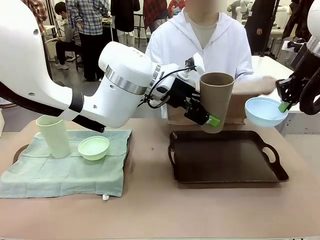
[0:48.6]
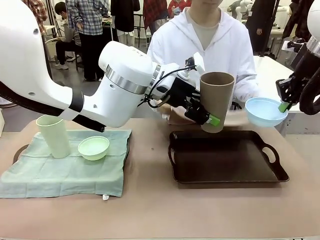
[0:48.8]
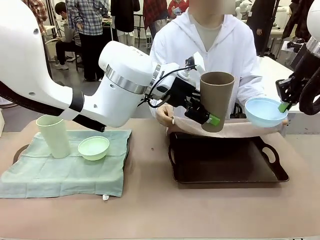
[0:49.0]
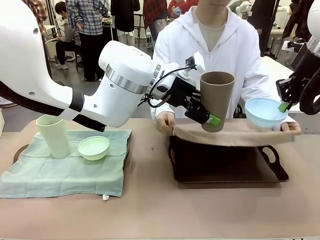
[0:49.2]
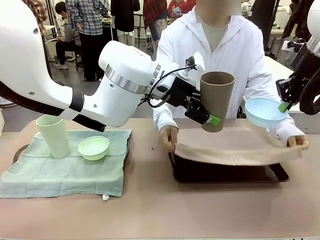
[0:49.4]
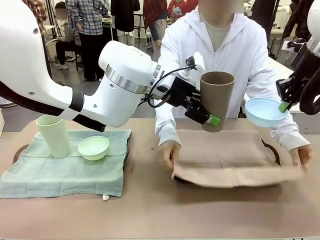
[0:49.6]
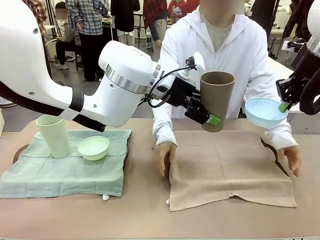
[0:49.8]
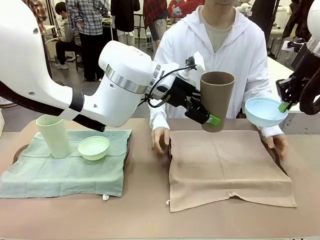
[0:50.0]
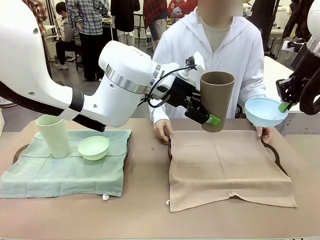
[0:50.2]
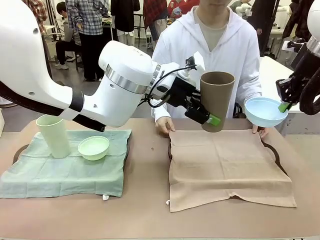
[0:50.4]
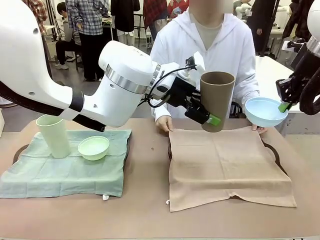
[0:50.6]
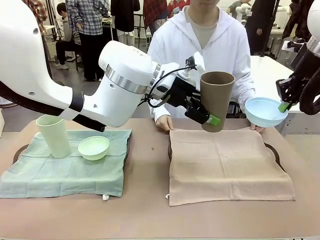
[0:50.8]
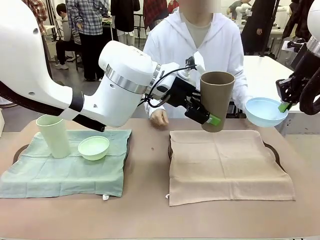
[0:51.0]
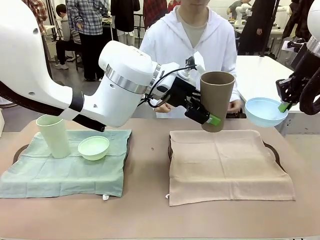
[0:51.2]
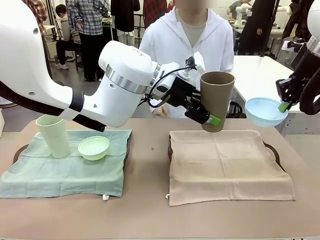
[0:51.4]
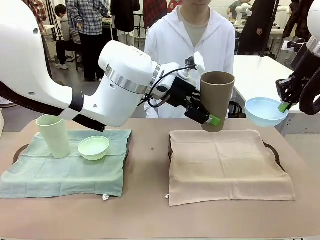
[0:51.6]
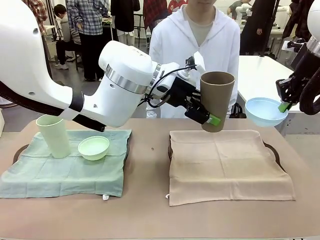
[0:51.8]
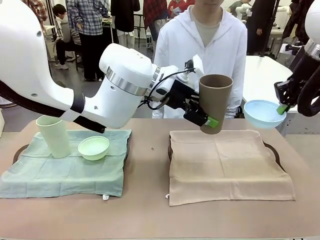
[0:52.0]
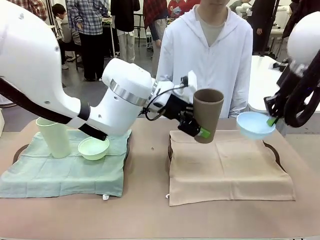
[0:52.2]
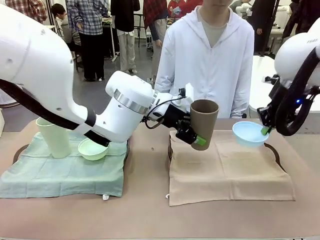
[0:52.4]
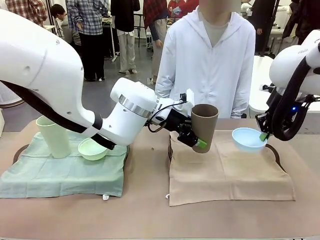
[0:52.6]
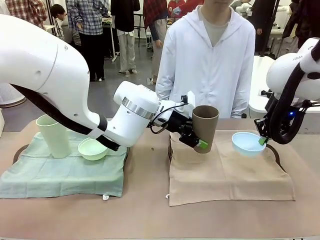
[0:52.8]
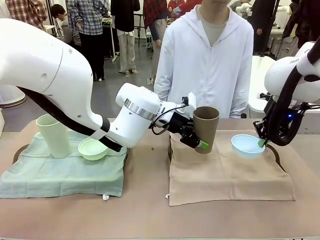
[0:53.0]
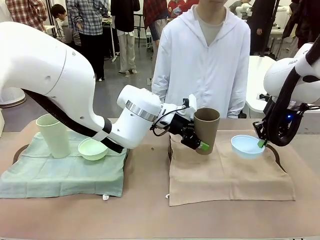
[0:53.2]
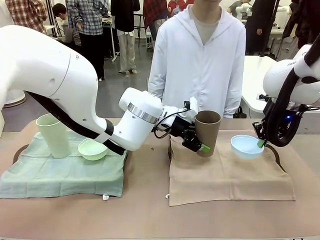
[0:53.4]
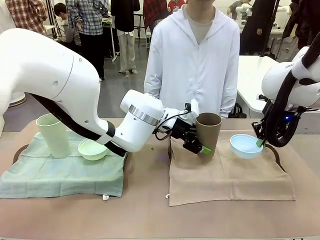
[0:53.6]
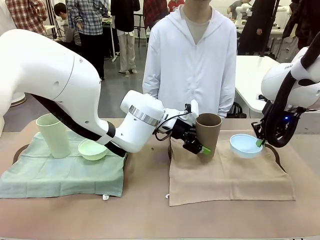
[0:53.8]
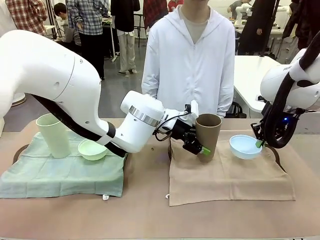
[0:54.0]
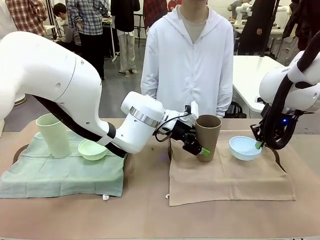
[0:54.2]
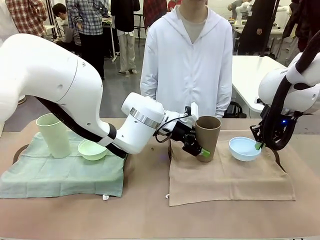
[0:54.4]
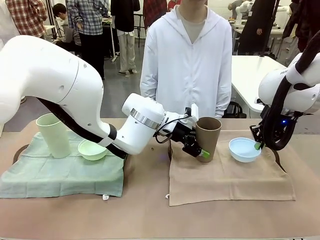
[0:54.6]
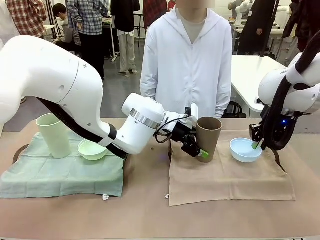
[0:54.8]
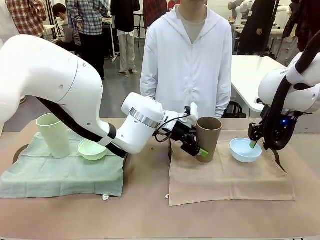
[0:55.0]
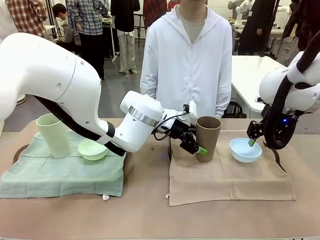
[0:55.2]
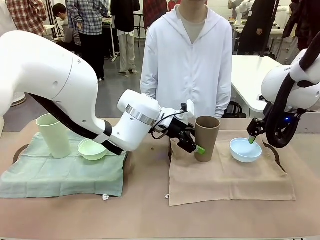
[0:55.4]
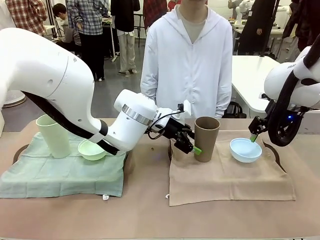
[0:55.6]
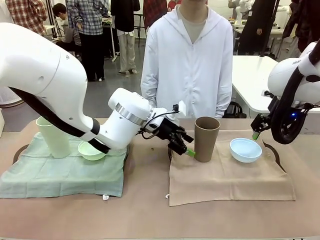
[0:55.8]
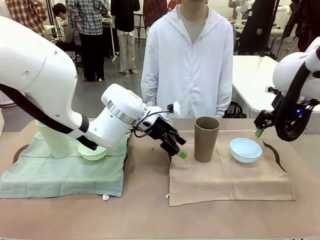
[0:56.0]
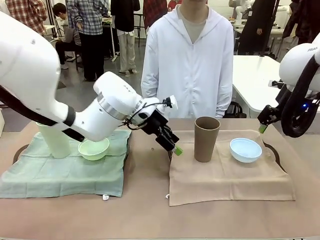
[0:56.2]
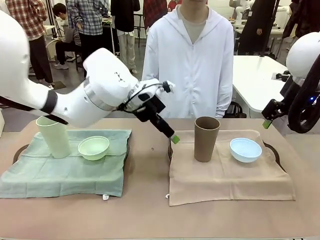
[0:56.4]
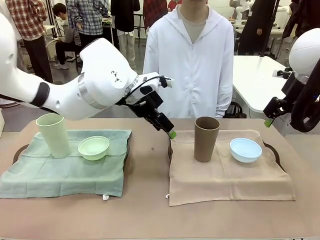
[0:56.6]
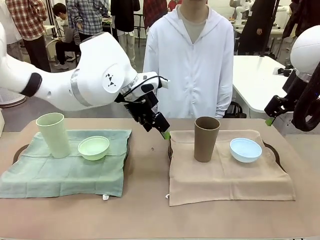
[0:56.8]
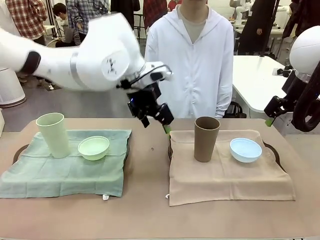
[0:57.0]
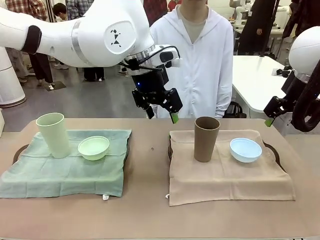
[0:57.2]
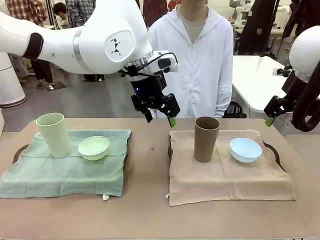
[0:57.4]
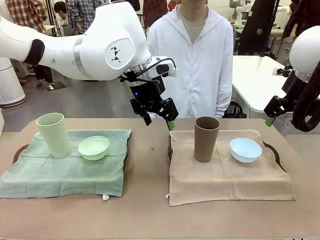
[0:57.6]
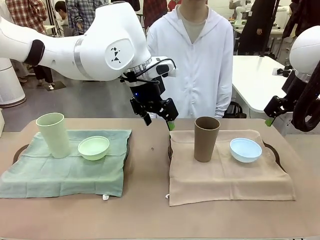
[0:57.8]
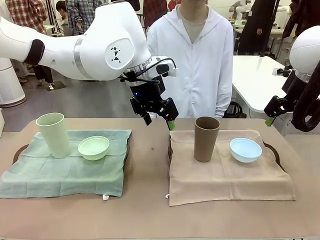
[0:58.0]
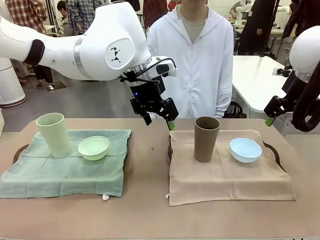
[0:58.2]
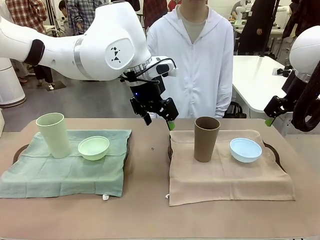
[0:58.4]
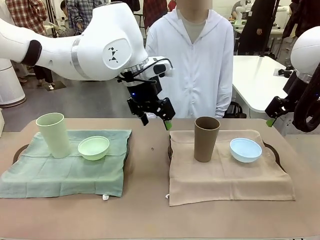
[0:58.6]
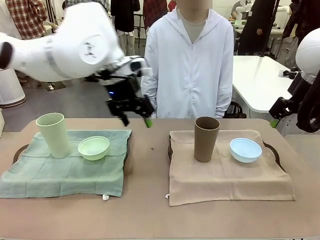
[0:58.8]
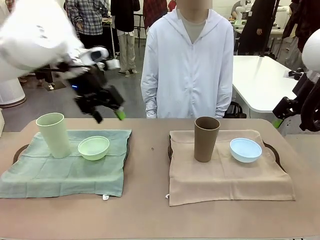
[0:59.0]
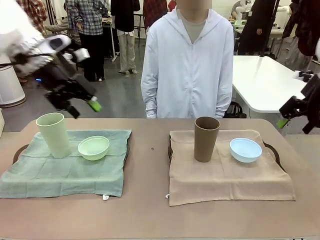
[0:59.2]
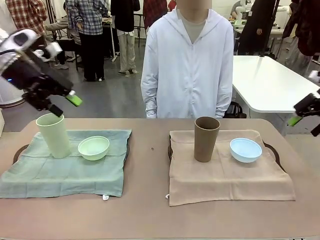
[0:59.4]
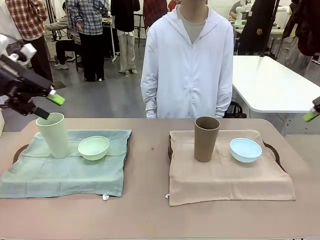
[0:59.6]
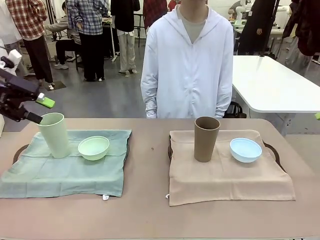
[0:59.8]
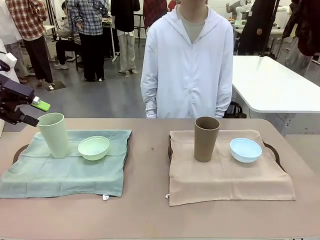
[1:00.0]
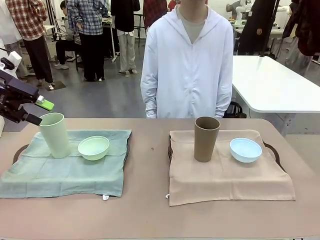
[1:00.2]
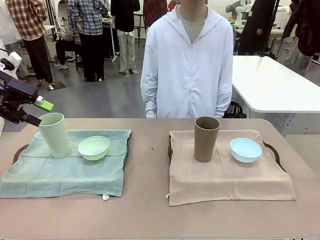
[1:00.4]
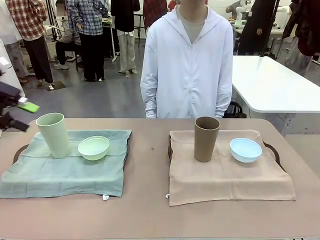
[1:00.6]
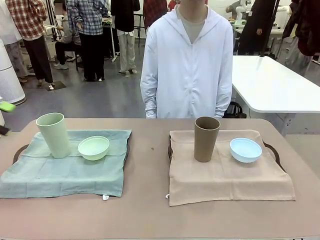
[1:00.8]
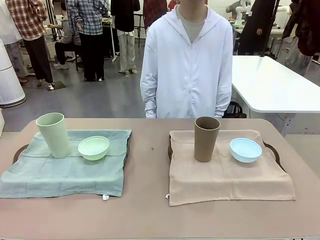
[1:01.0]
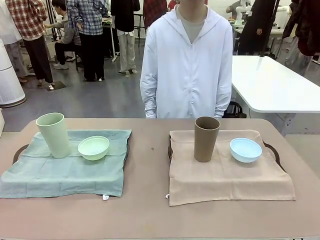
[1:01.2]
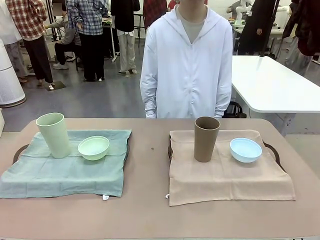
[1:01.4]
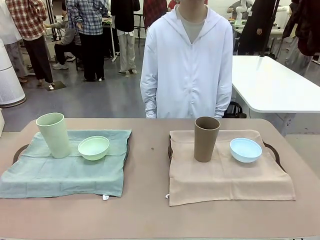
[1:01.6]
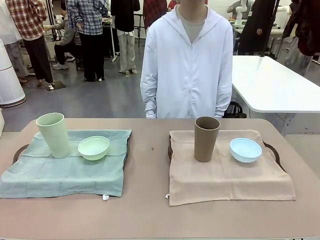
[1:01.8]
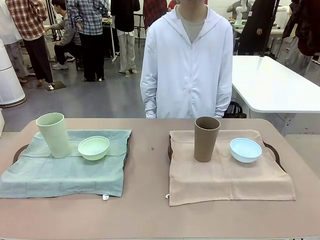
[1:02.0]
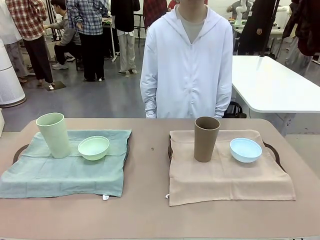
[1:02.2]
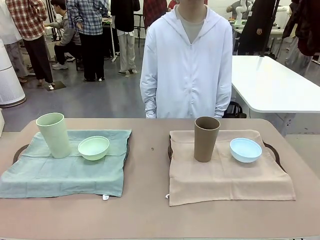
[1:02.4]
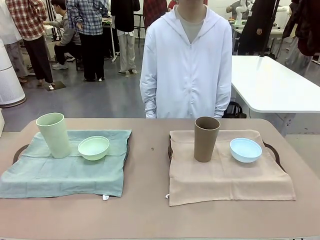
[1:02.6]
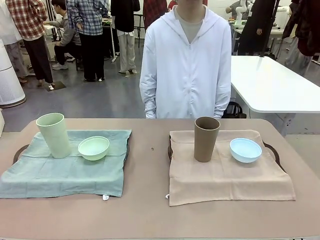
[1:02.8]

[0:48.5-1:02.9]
Robot: Place the Picnic Bowl and Reusable plastic cup back onto the Handle tray in front of the human's position.
Person: When the robot lifts the bowl and the cup, the human unfolds the napkin and lays the napkin flat on the tray.

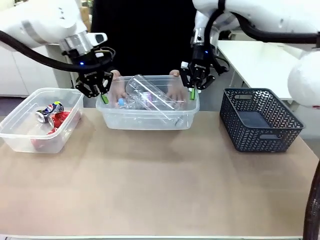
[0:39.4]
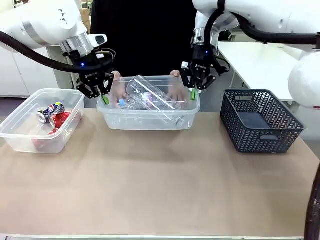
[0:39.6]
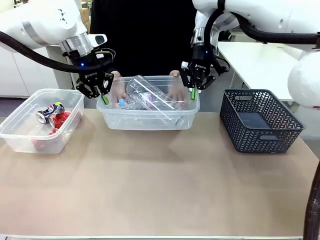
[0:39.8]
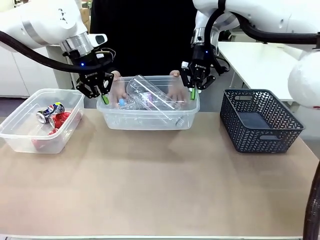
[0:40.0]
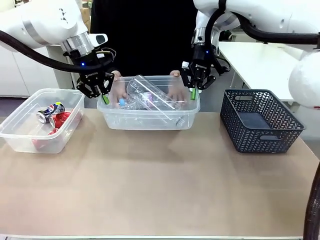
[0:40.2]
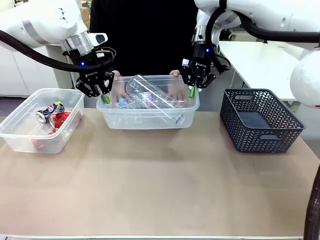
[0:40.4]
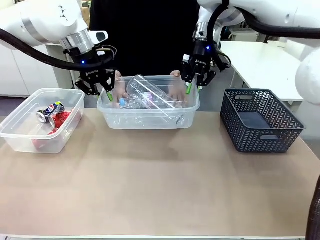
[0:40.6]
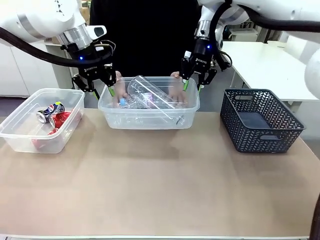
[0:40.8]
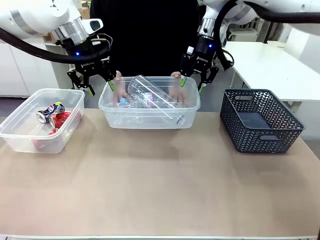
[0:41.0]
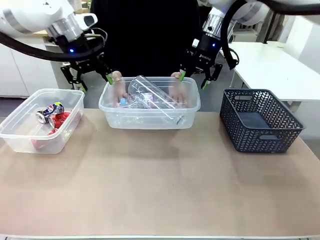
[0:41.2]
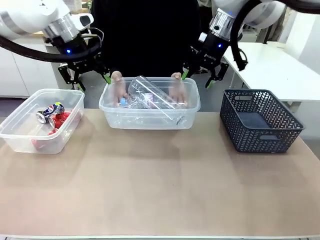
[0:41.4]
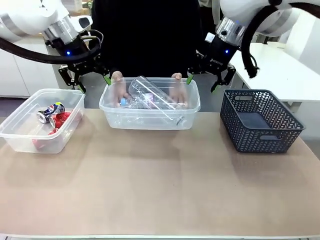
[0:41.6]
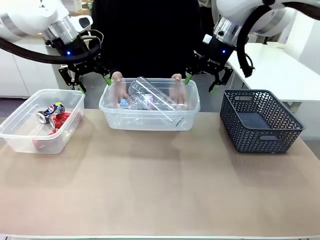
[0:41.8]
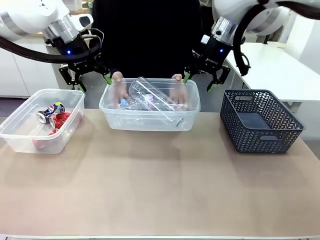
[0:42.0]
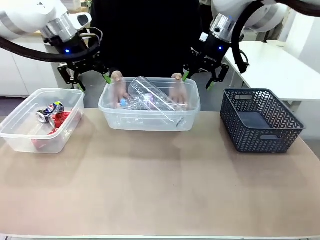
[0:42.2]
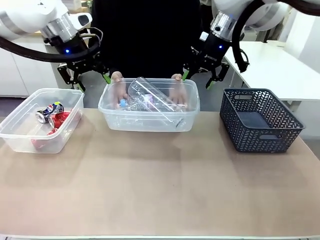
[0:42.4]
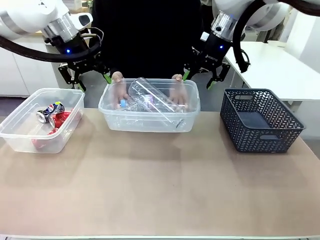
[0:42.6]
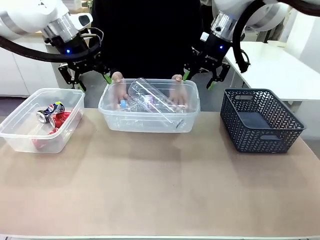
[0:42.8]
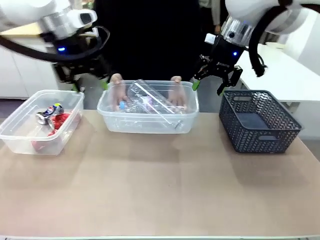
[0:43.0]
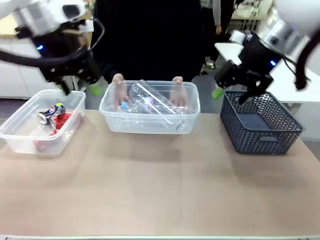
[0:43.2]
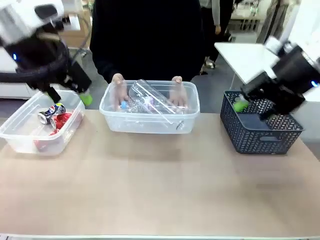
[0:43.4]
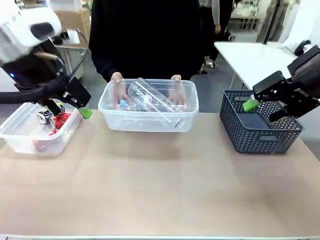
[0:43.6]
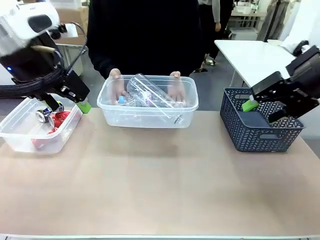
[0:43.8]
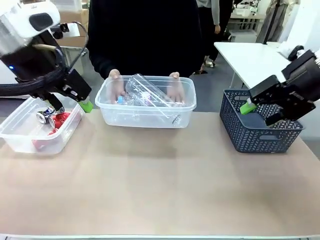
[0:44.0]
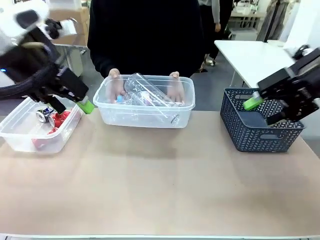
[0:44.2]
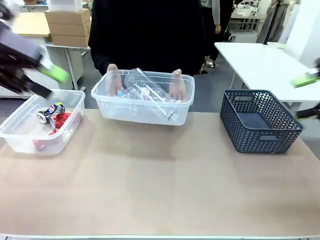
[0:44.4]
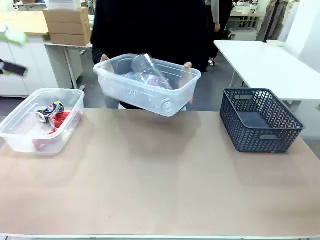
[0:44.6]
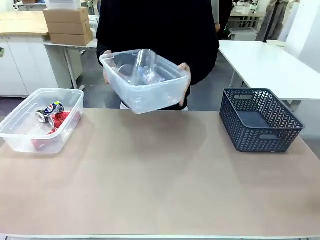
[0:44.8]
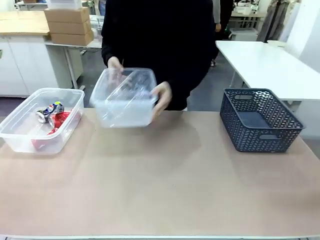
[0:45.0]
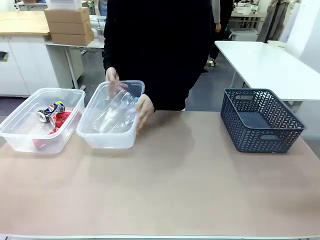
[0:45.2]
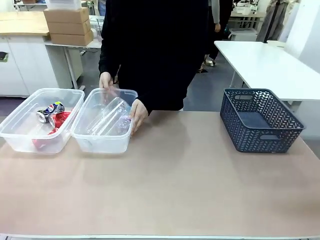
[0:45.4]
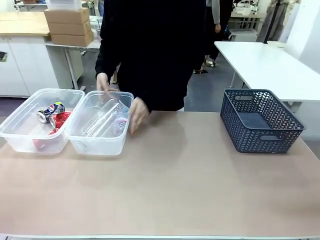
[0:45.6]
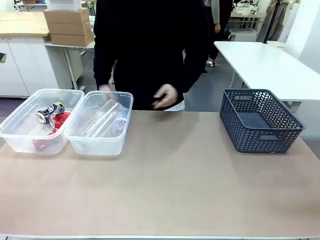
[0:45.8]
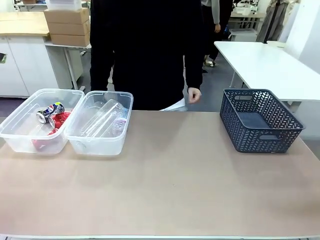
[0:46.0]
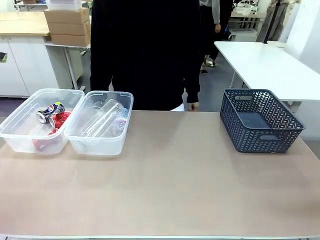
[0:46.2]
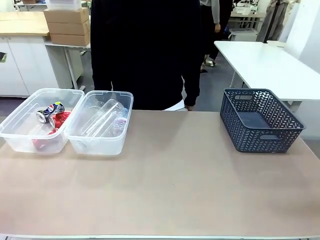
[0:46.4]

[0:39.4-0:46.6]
Robot: Release the Organizing box you were holding.
Person: Pick up the organizing box extended by the robot. Place the organizing box to the left of the sorting box containing the can waste.
